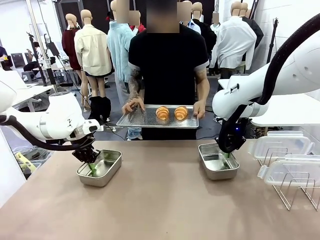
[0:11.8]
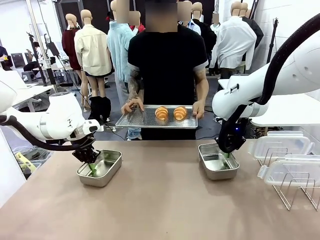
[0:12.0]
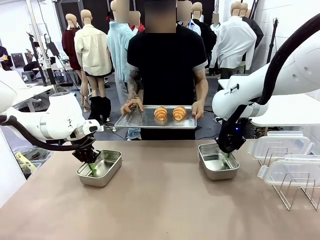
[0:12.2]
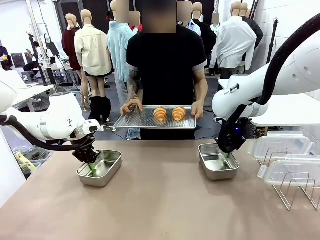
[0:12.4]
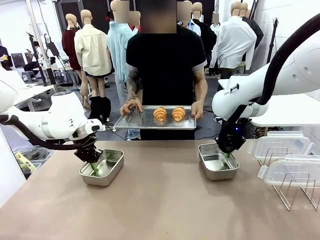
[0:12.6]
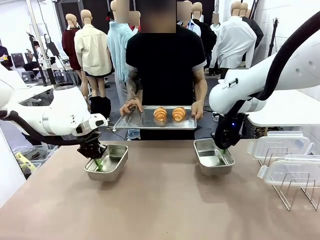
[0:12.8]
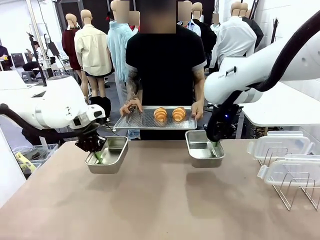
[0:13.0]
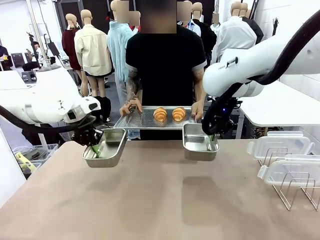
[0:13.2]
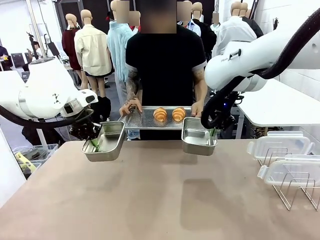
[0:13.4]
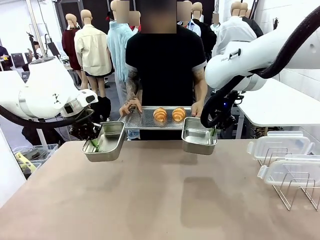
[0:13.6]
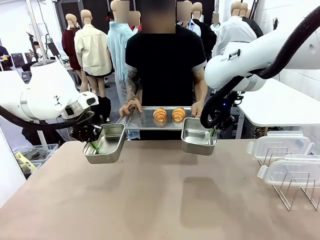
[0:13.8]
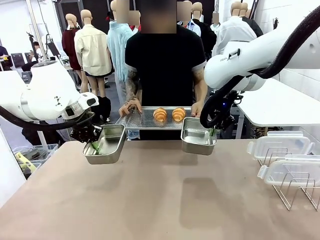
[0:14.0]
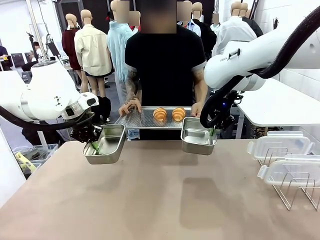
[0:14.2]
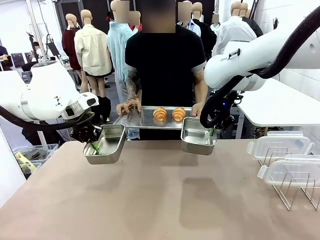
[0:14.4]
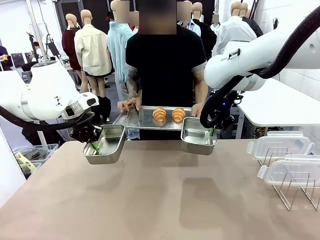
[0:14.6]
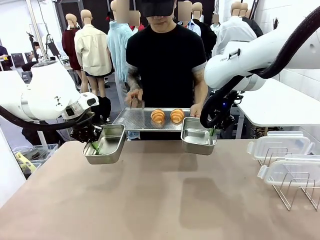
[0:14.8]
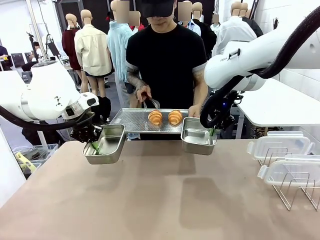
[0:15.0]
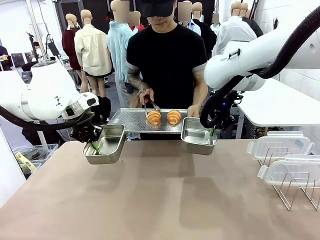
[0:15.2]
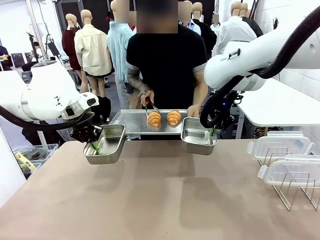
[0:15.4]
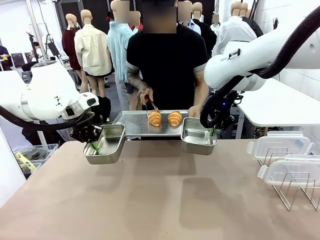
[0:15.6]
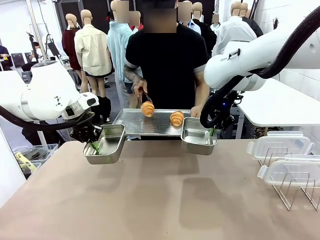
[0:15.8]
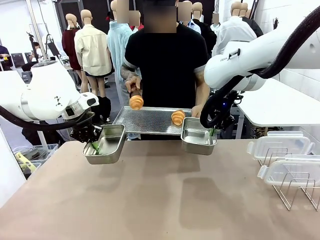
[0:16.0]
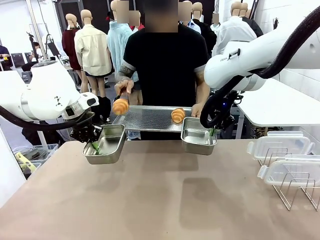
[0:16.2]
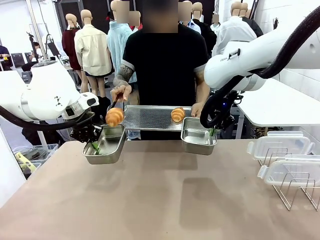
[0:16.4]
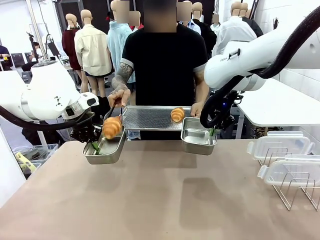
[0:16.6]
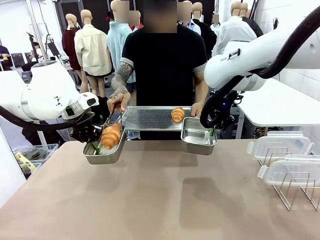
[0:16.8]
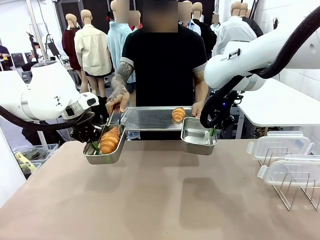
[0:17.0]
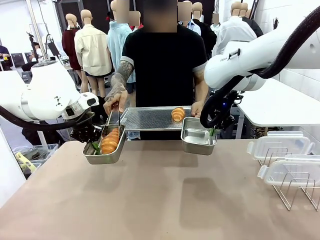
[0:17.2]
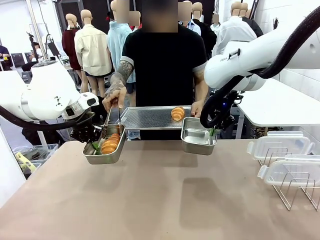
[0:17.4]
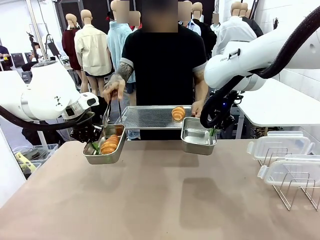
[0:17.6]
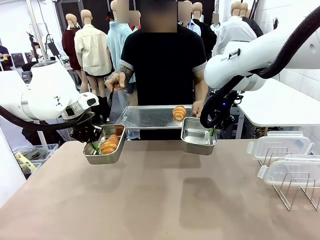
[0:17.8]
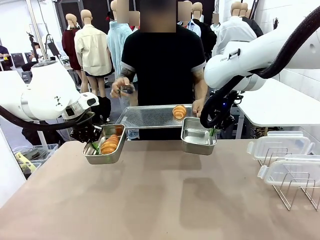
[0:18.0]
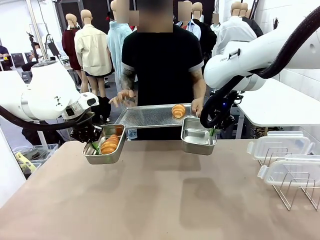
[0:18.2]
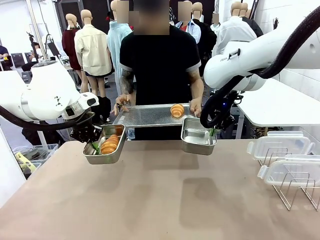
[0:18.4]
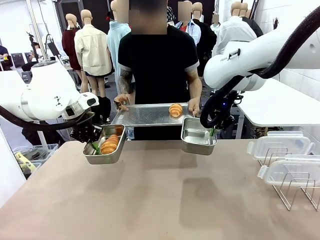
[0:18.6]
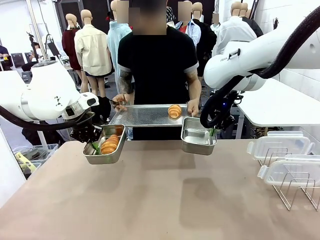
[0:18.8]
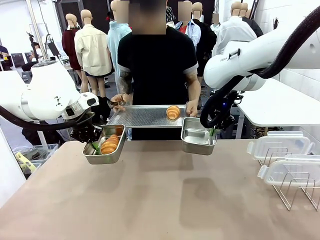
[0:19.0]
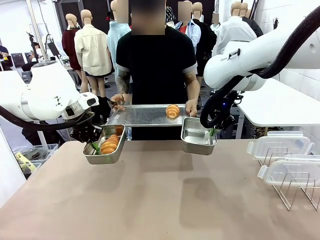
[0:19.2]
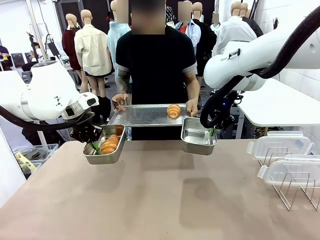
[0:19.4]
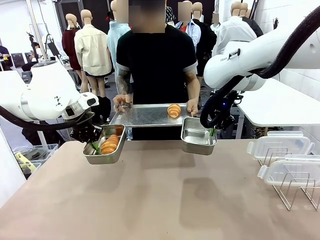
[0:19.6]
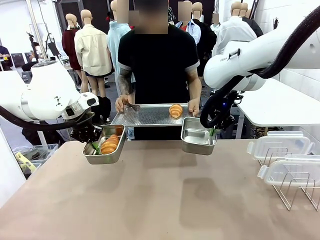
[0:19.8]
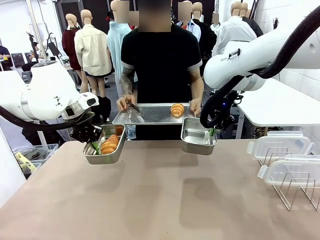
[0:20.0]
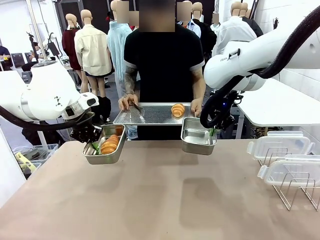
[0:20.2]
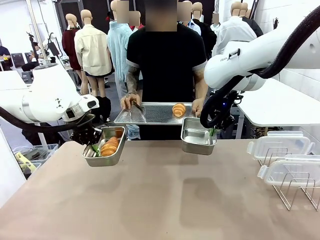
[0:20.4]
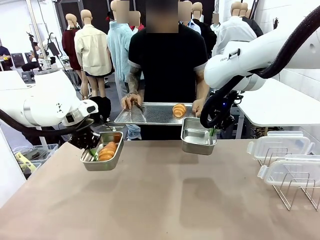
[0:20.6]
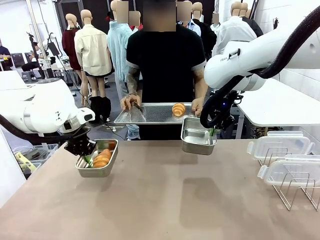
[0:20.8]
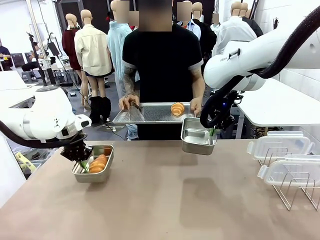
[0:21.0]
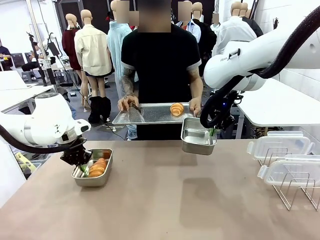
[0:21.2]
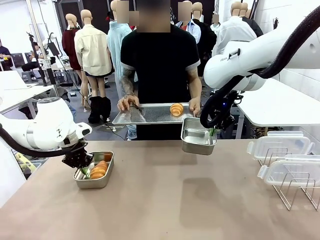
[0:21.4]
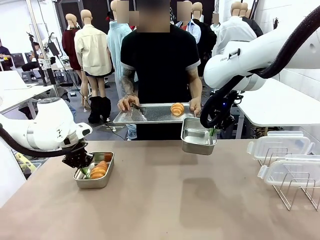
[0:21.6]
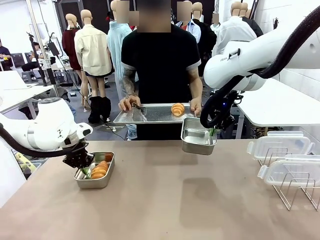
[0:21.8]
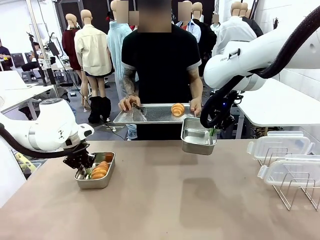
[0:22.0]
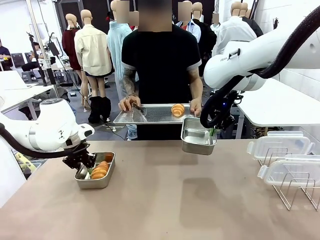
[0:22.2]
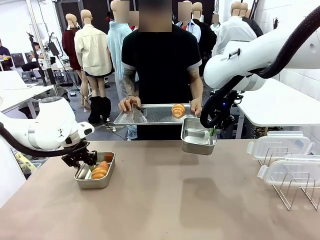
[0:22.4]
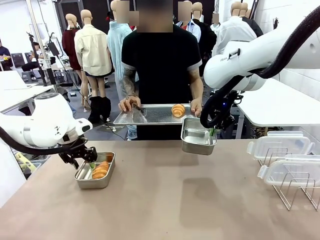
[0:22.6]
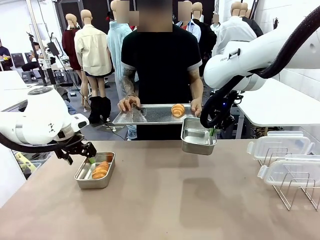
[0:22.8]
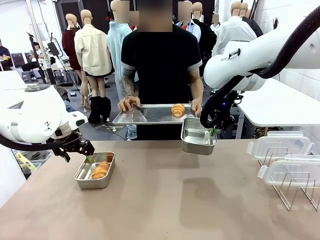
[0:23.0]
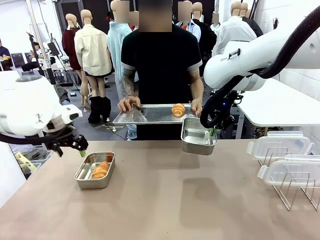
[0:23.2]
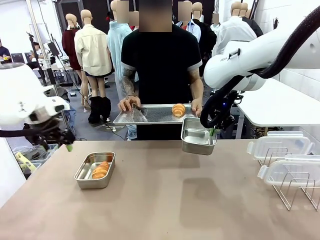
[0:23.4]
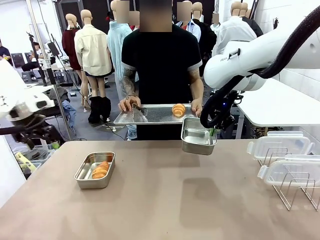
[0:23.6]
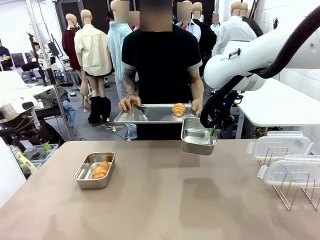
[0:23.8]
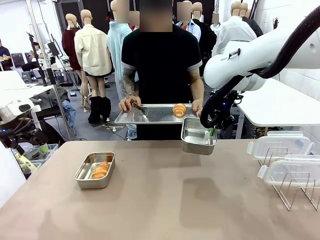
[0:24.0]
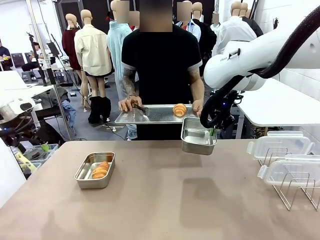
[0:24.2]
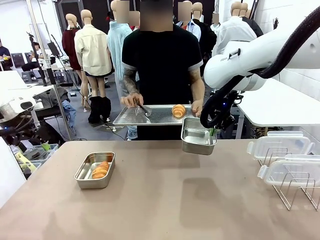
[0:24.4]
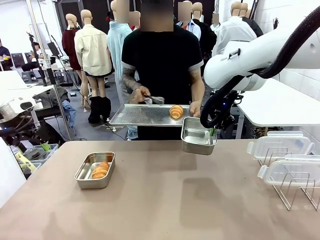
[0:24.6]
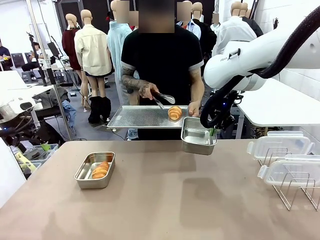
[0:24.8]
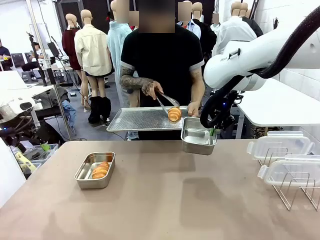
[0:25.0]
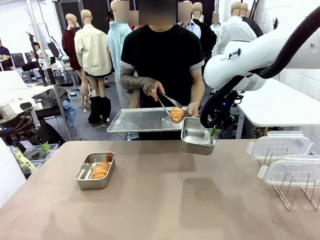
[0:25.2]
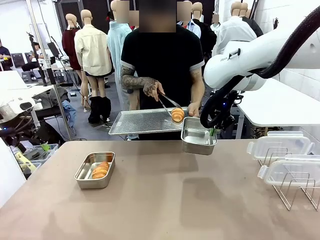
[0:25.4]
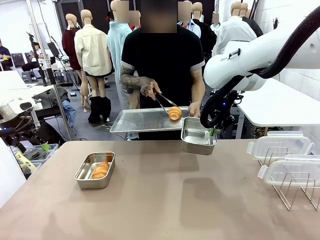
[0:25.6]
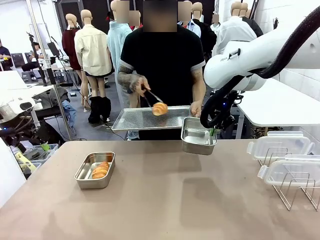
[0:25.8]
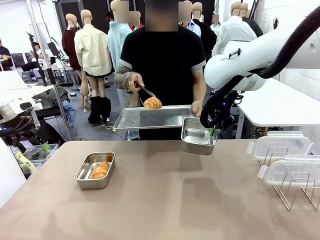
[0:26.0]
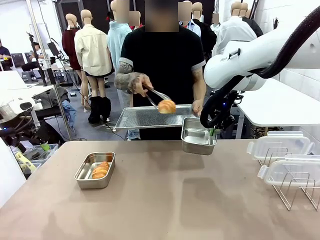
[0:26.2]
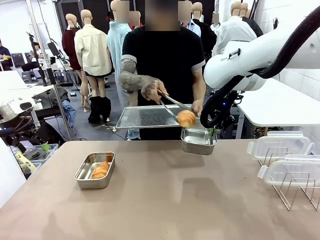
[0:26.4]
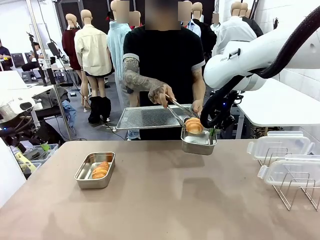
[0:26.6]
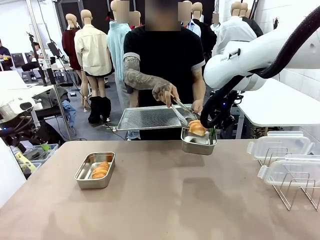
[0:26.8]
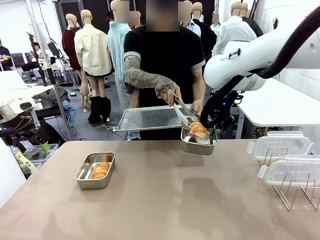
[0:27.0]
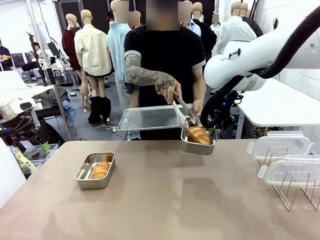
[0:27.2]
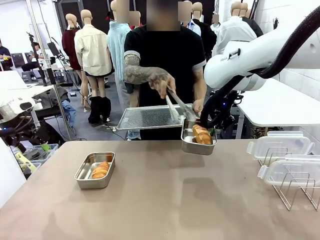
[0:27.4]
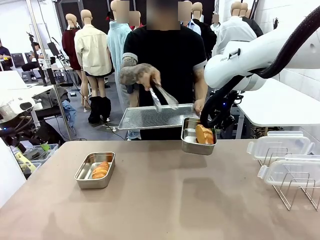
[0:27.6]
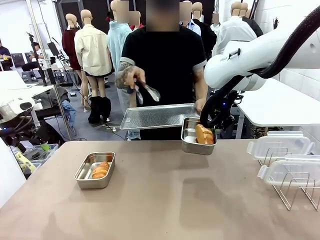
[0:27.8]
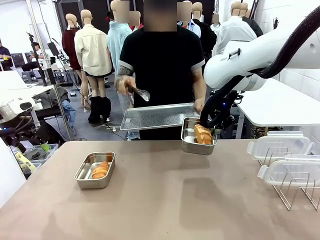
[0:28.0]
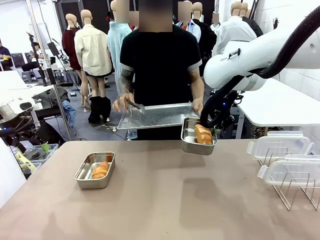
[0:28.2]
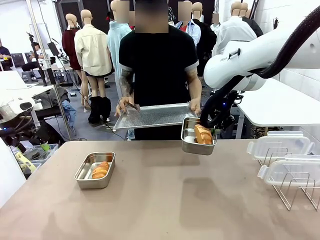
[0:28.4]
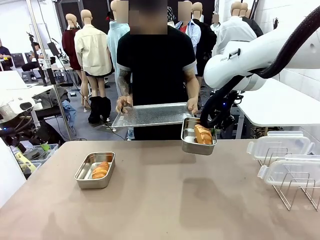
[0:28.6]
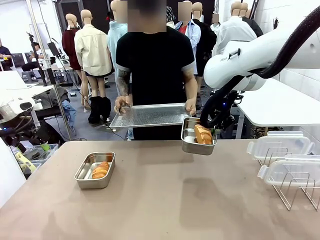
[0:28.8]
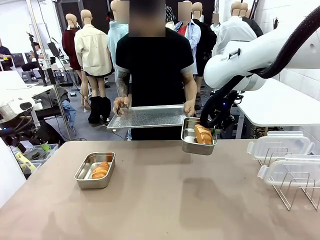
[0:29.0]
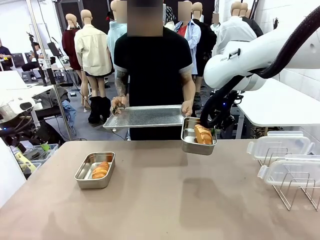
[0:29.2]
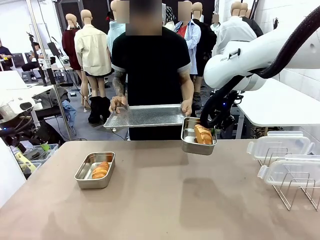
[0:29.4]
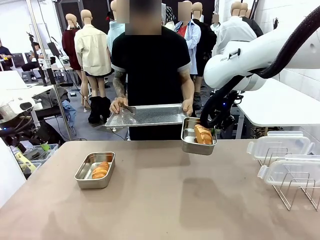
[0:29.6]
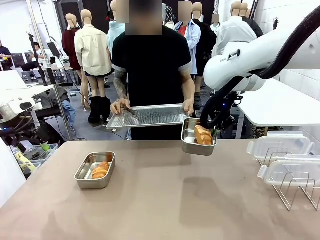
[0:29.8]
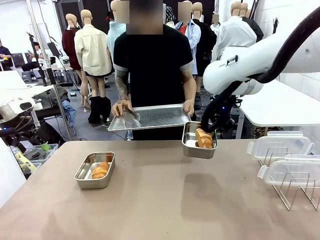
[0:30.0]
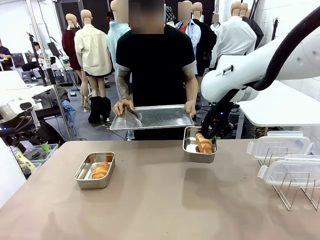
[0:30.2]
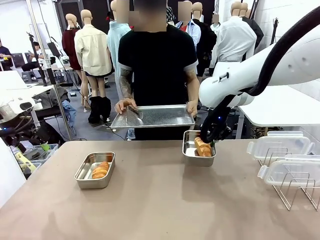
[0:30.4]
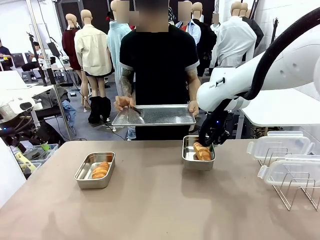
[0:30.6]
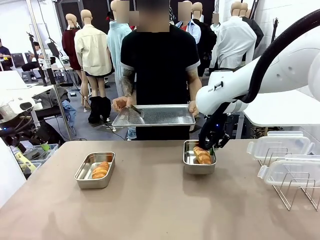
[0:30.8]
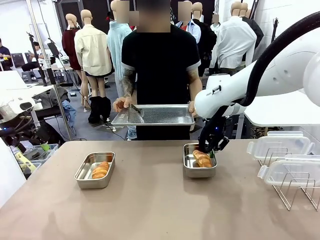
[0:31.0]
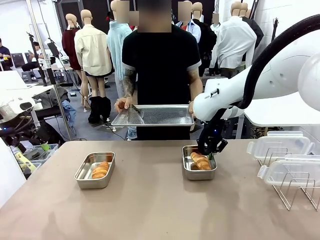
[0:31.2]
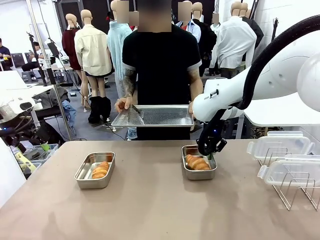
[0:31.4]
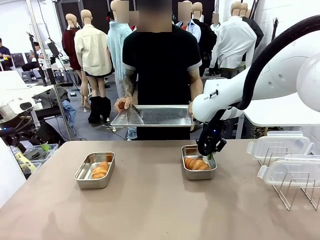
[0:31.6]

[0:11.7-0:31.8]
Task: Place the bread in airtight containers.
Robot: Once an object is inside an Airtight Container , place the container in the center of the table.
Person: Use the Stainless steel tongs to place one object from Baking Sheet into one Airtight Container.
